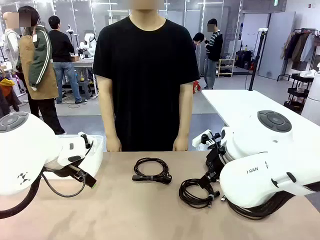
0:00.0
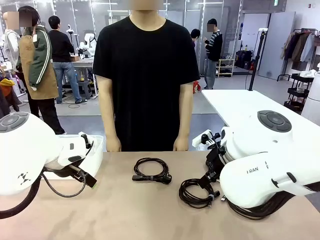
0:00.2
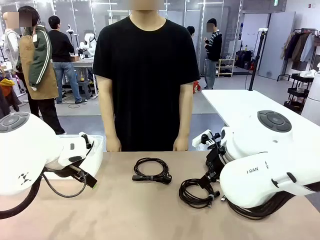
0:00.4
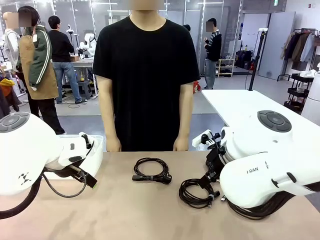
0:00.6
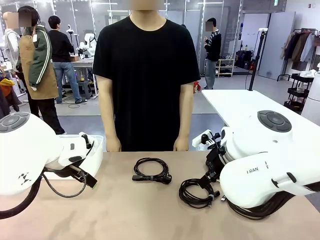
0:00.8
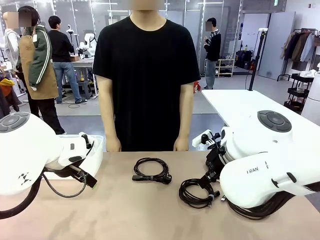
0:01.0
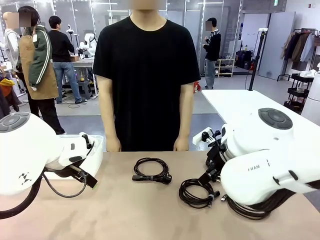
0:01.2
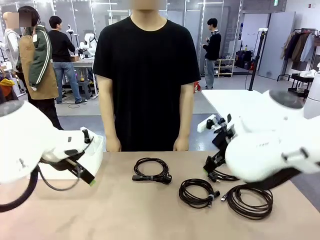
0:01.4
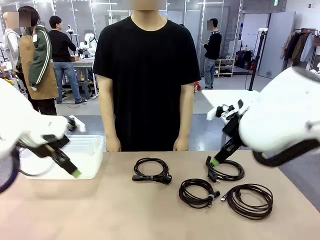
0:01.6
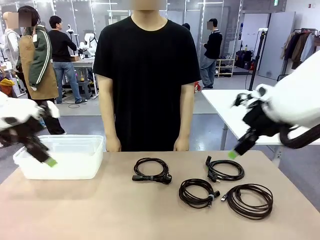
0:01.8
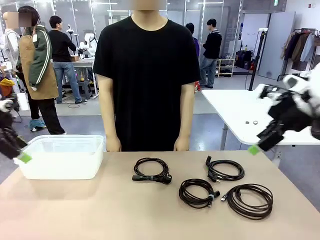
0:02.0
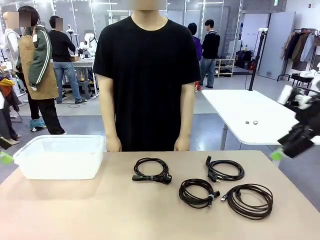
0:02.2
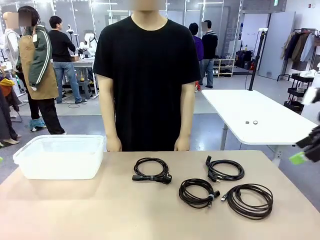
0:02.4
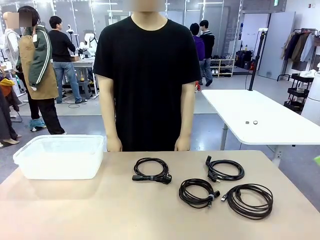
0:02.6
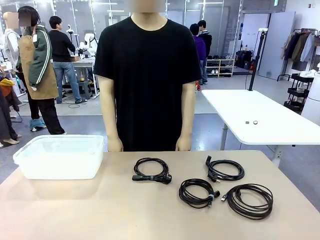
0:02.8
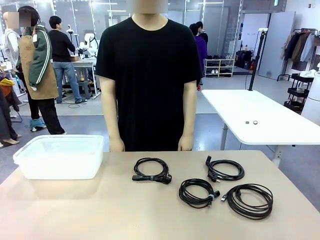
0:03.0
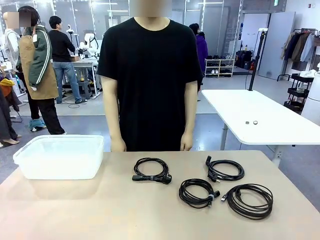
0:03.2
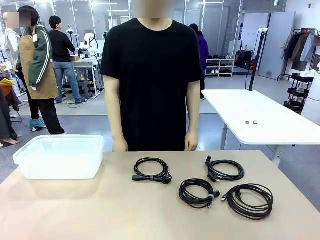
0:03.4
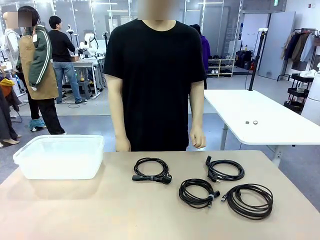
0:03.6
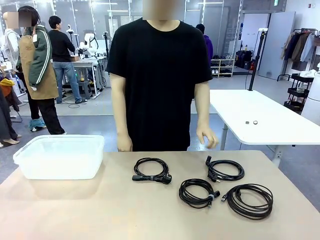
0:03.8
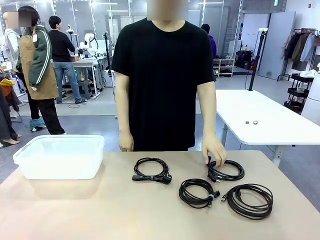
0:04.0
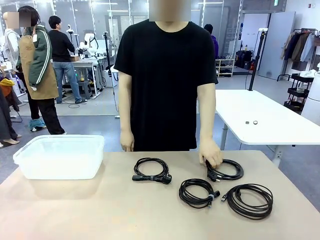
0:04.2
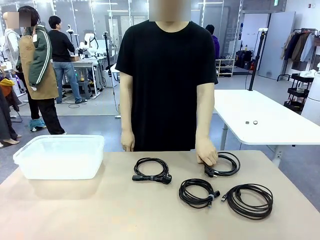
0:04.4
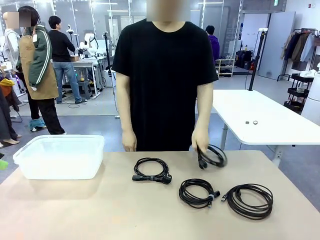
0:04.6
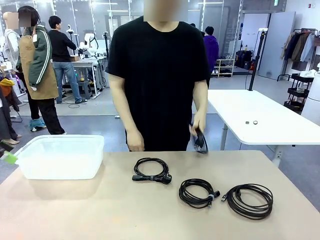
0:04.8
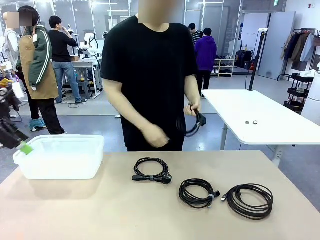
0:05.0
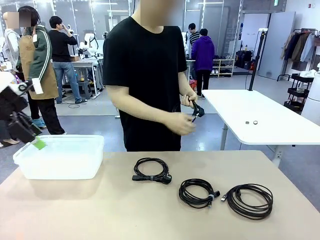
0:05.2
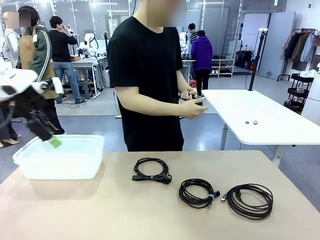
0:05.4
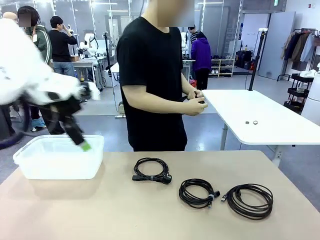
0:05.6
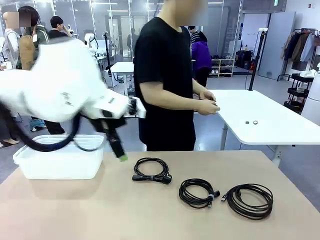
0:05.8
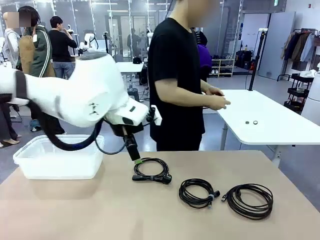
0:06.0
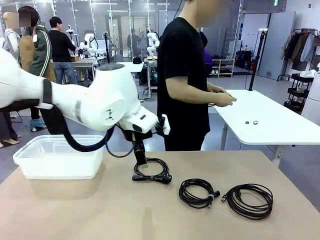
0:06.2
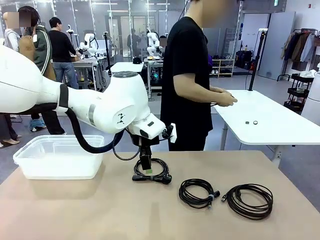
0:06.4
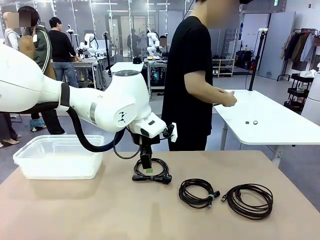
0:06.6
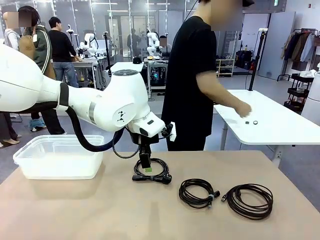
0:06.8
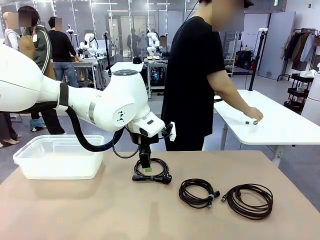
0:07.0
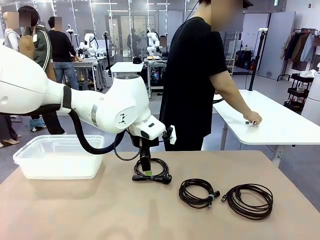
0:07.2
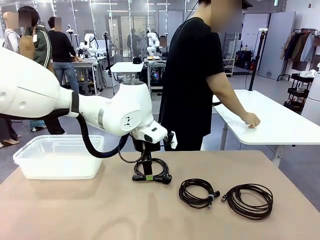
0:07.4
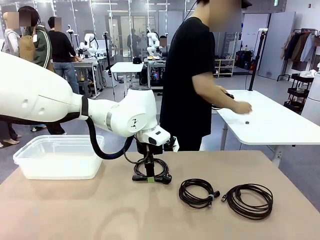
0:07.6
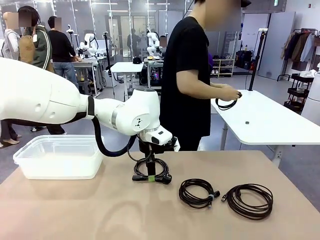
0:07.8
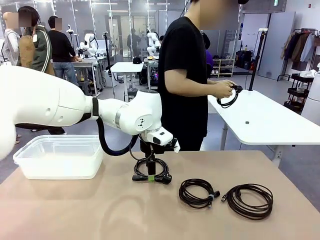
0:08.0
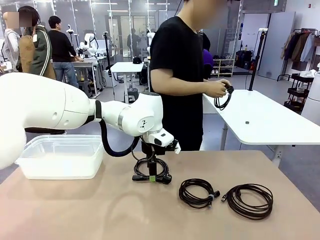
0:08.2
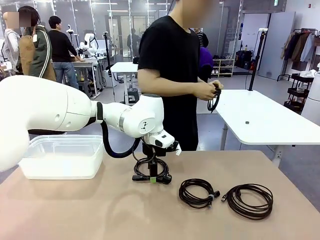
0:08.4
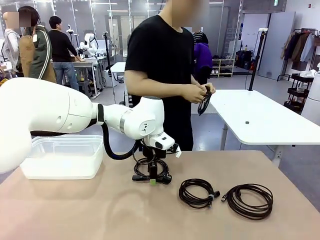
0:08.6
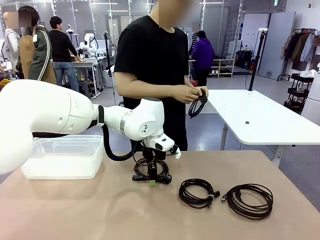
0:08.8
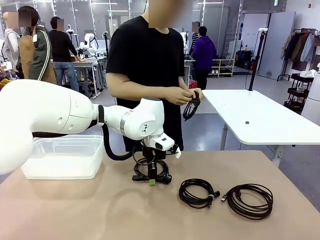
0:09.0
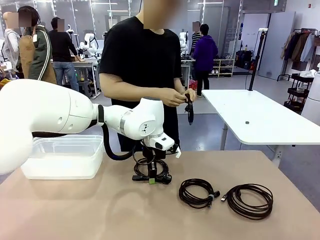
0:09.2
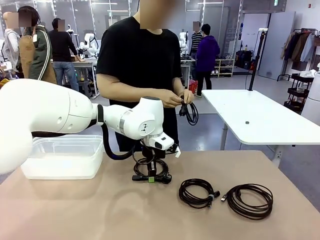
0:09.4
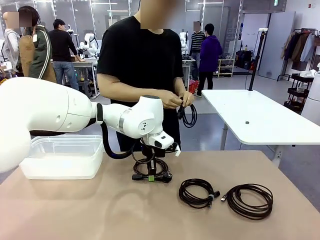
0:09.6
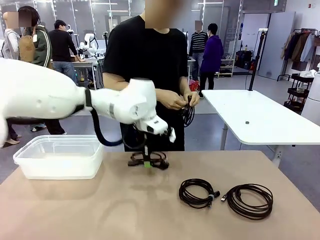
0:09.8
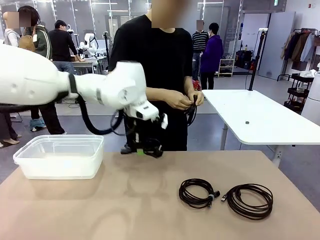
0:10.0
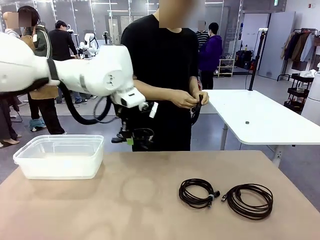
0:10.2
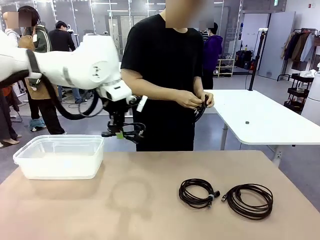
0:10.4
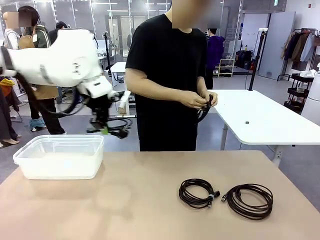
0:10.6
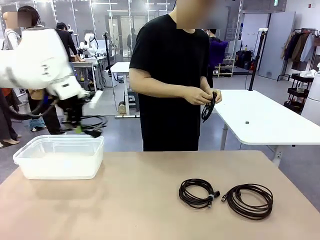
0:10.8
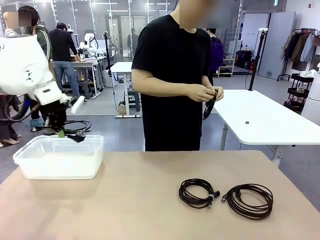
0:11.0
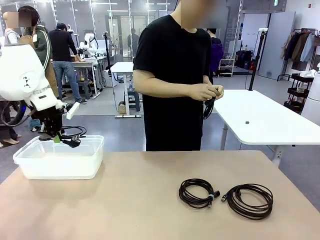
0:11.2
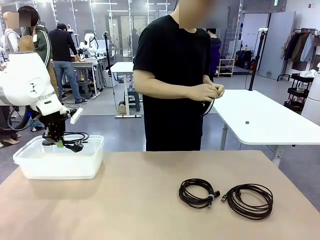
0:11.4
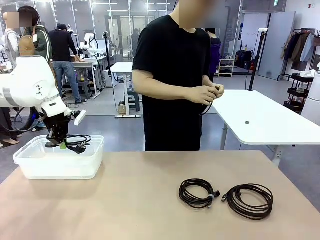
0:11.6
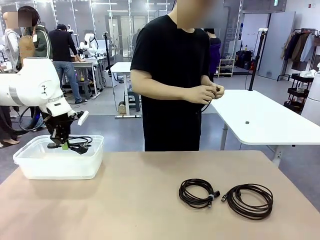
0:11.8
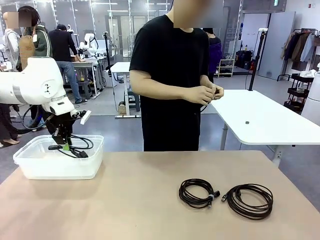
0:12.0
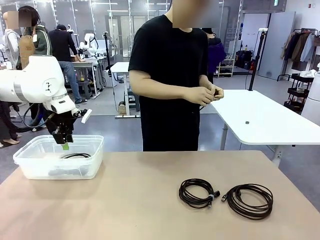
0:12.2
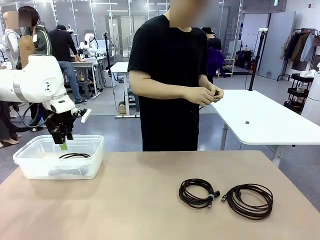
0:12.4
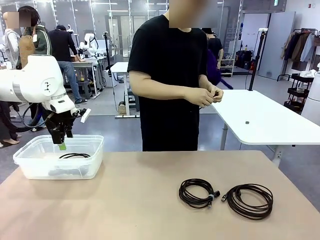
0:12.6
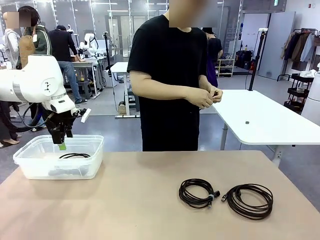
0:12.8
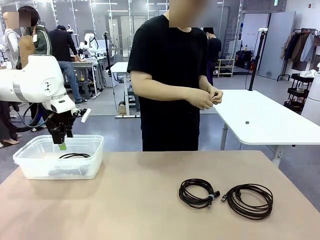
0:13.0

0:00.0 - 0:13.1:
Task: Organize and store the cables.
Robot: Place the Power Cable into the Organizing box.
Person: Tie one Power Cable with a Reusable Cable Tie.
